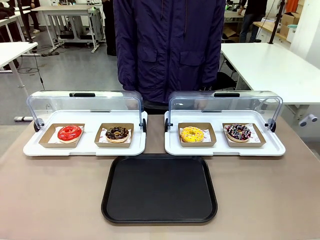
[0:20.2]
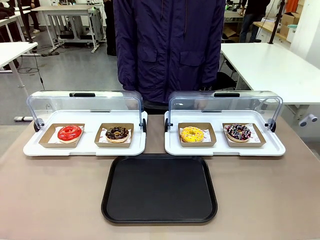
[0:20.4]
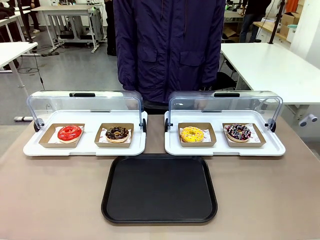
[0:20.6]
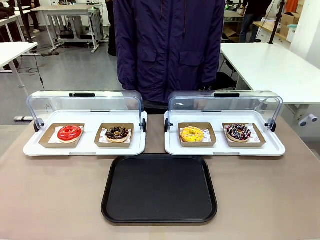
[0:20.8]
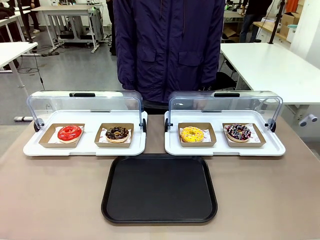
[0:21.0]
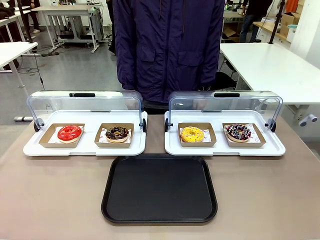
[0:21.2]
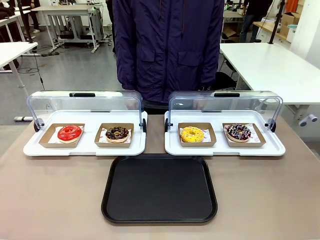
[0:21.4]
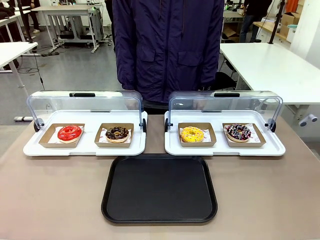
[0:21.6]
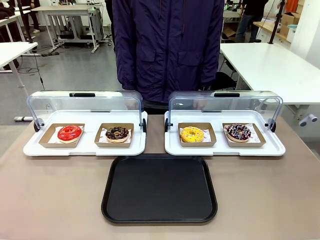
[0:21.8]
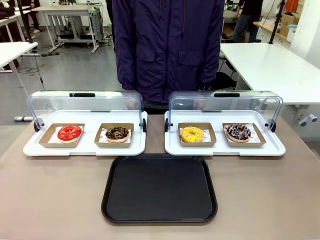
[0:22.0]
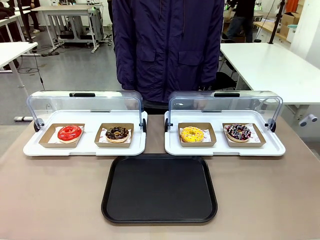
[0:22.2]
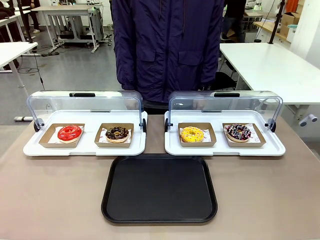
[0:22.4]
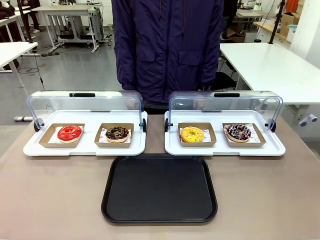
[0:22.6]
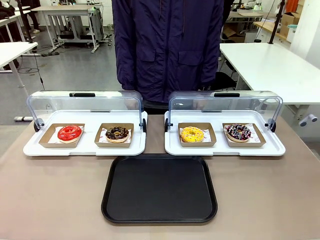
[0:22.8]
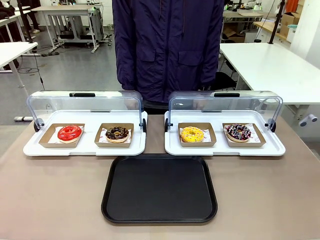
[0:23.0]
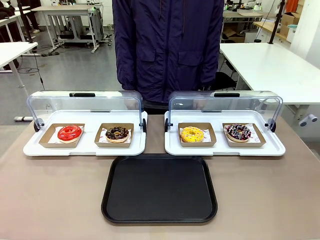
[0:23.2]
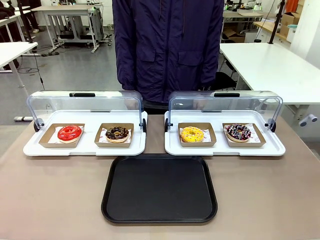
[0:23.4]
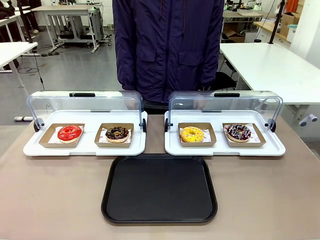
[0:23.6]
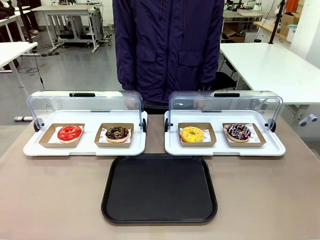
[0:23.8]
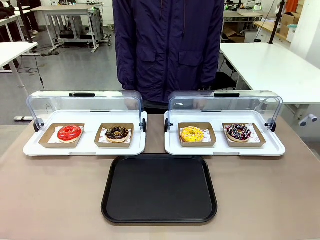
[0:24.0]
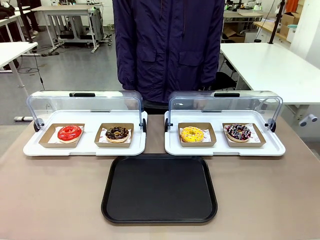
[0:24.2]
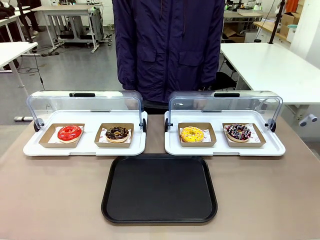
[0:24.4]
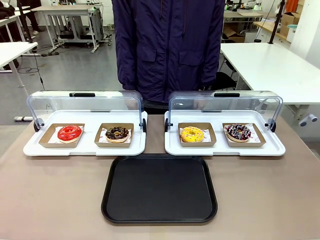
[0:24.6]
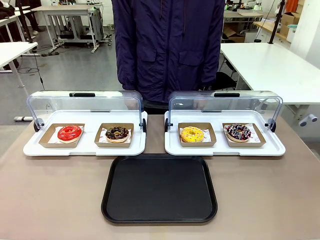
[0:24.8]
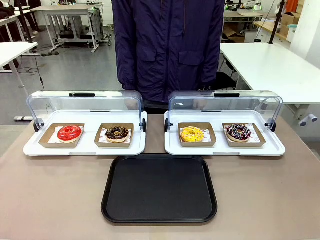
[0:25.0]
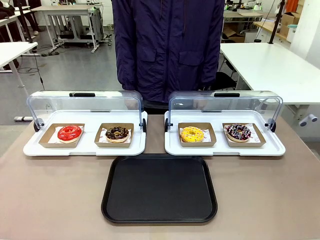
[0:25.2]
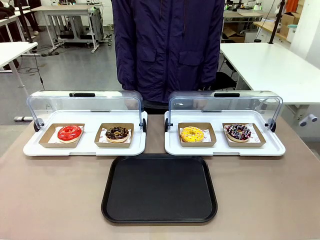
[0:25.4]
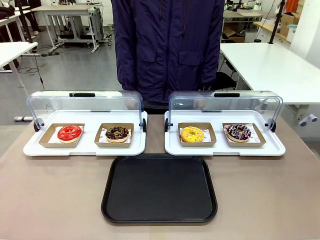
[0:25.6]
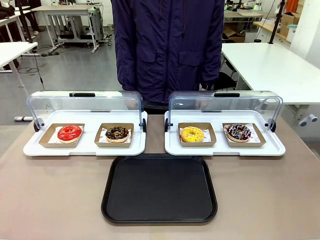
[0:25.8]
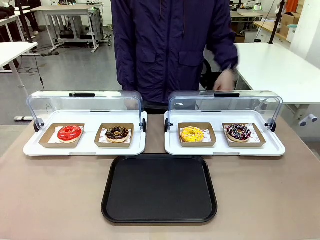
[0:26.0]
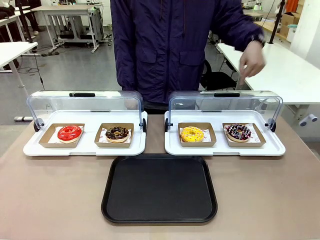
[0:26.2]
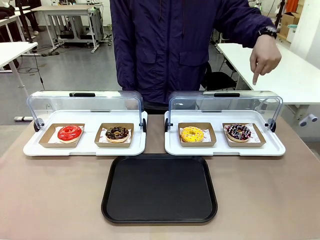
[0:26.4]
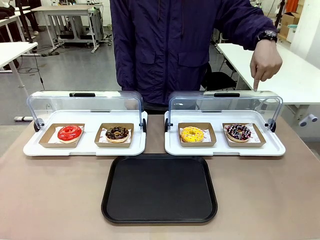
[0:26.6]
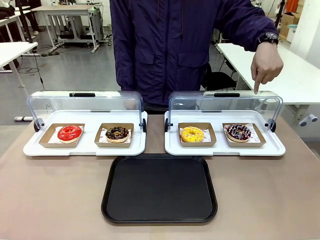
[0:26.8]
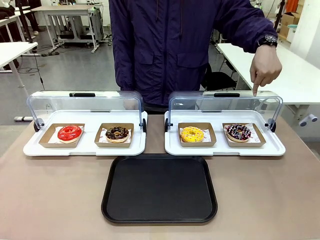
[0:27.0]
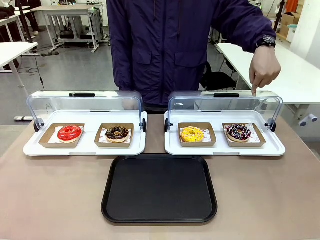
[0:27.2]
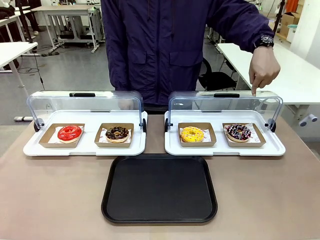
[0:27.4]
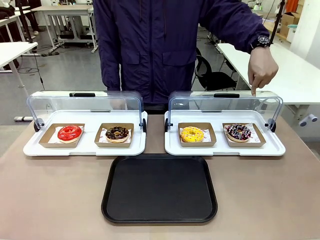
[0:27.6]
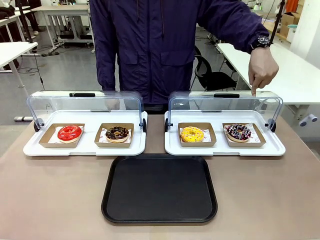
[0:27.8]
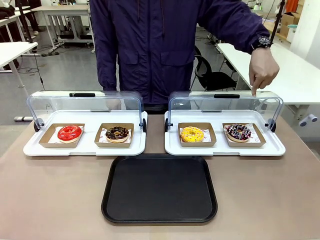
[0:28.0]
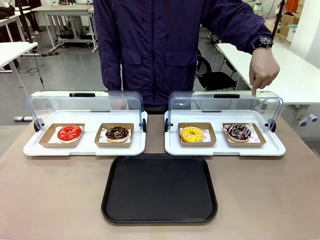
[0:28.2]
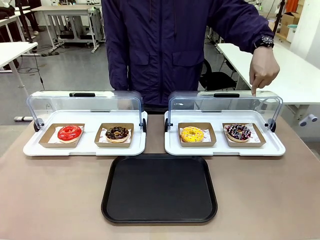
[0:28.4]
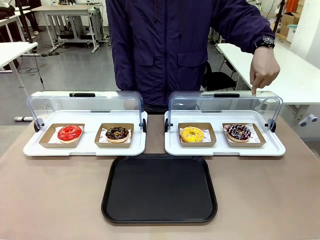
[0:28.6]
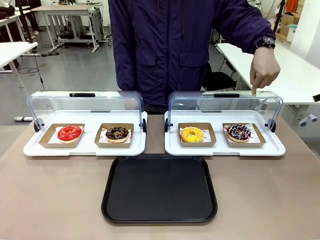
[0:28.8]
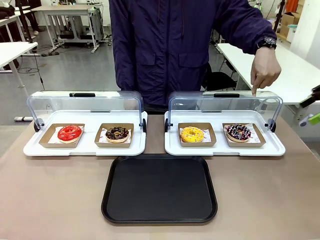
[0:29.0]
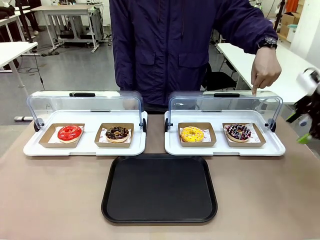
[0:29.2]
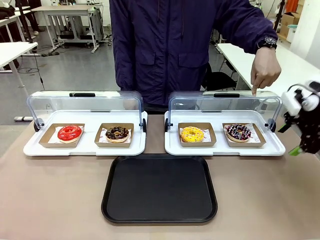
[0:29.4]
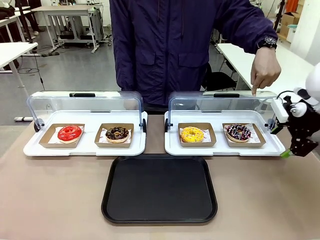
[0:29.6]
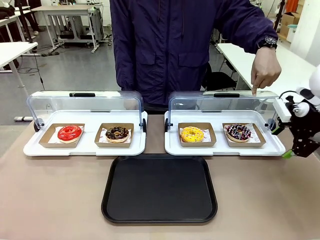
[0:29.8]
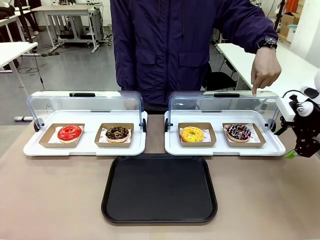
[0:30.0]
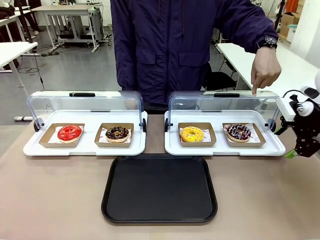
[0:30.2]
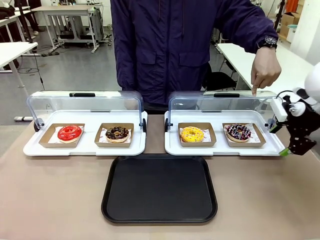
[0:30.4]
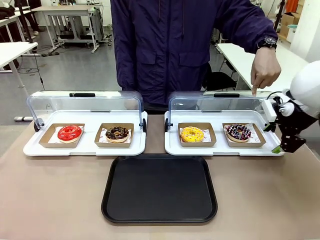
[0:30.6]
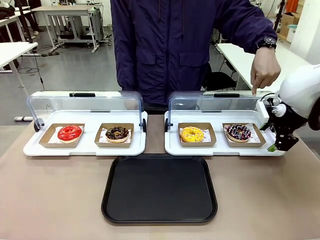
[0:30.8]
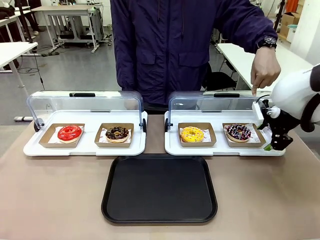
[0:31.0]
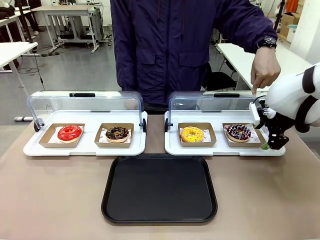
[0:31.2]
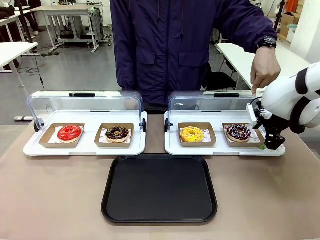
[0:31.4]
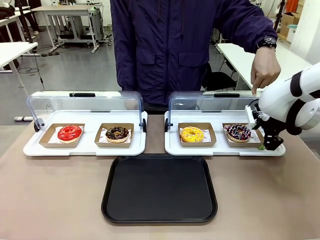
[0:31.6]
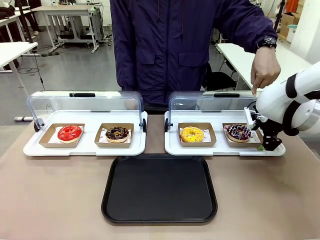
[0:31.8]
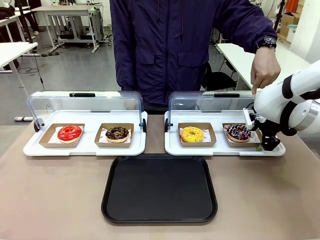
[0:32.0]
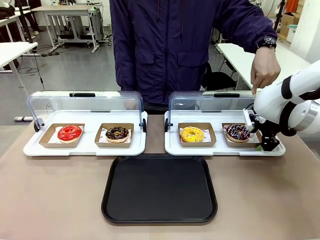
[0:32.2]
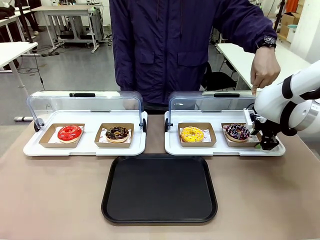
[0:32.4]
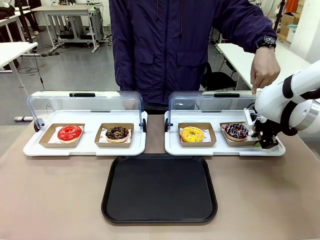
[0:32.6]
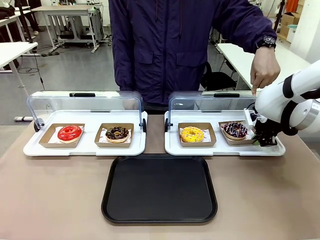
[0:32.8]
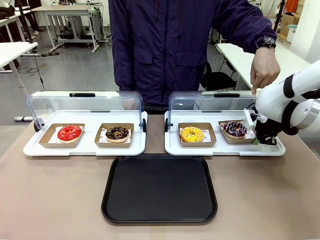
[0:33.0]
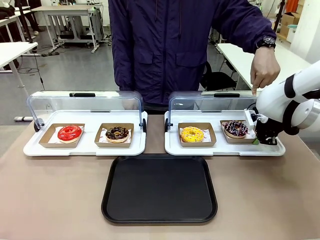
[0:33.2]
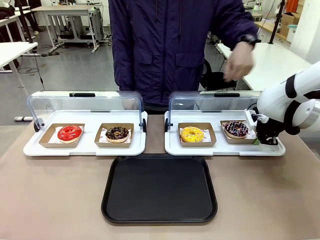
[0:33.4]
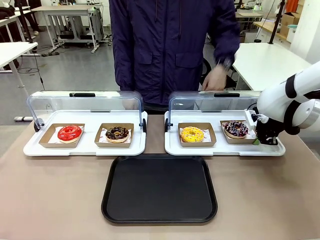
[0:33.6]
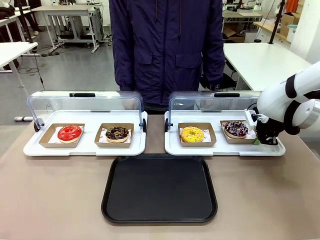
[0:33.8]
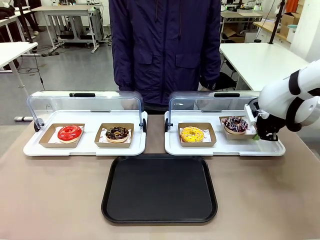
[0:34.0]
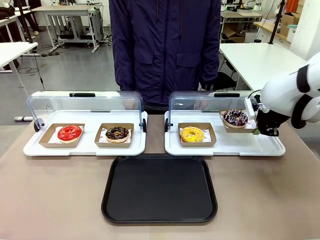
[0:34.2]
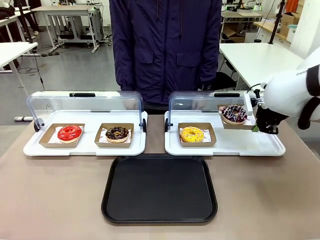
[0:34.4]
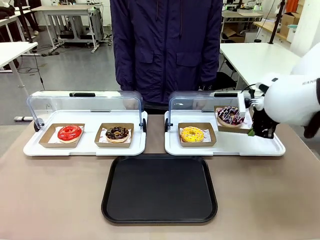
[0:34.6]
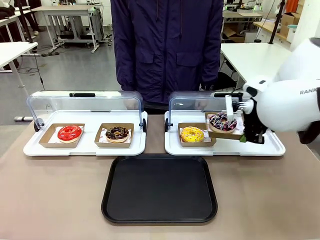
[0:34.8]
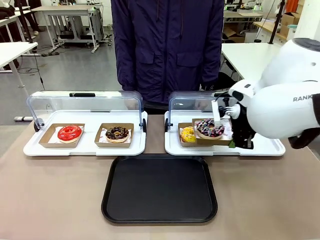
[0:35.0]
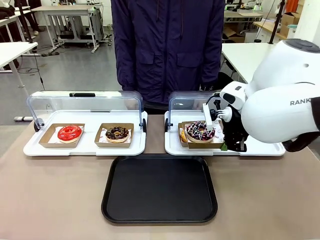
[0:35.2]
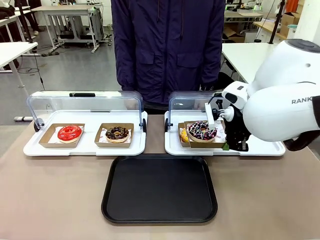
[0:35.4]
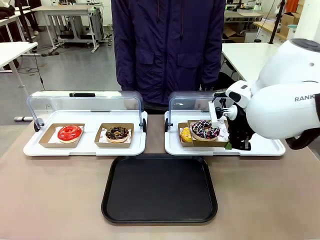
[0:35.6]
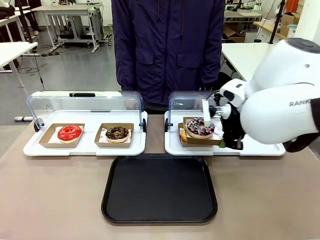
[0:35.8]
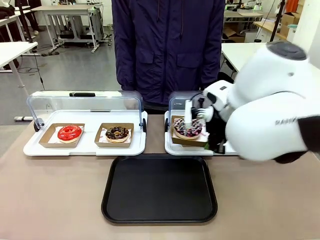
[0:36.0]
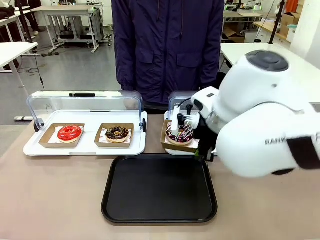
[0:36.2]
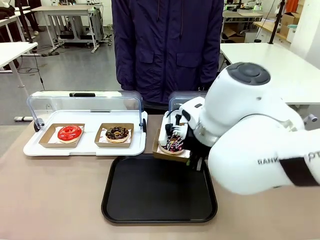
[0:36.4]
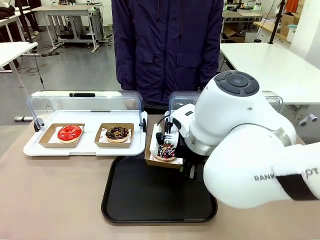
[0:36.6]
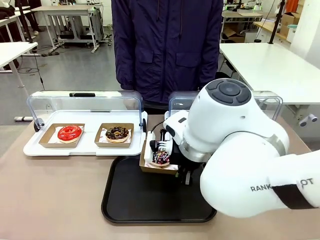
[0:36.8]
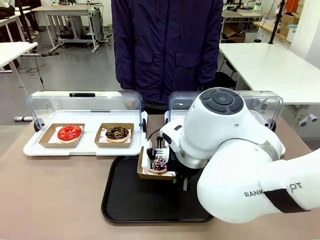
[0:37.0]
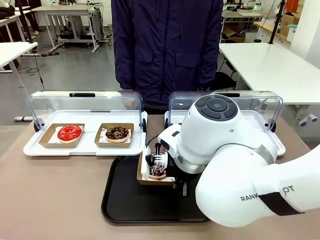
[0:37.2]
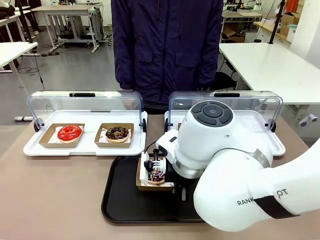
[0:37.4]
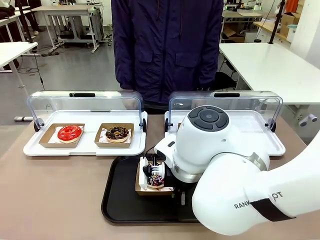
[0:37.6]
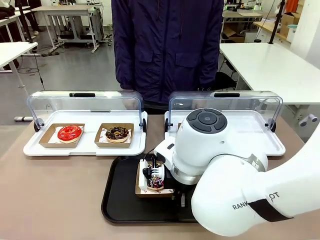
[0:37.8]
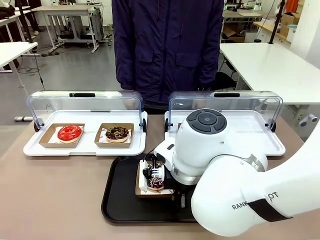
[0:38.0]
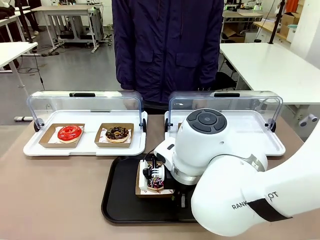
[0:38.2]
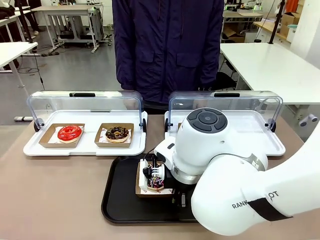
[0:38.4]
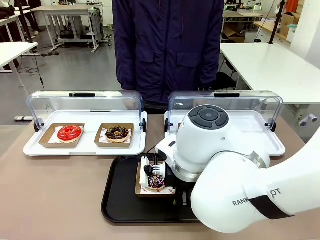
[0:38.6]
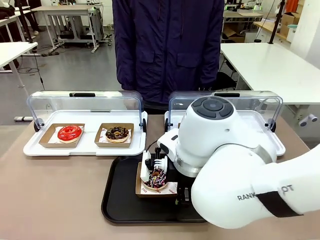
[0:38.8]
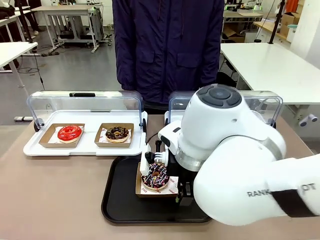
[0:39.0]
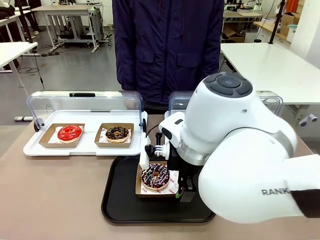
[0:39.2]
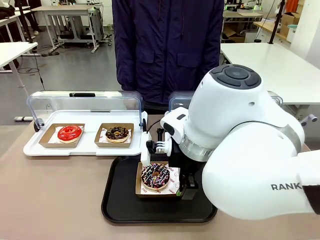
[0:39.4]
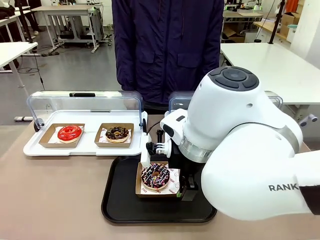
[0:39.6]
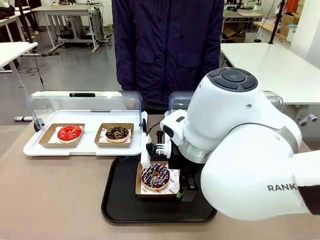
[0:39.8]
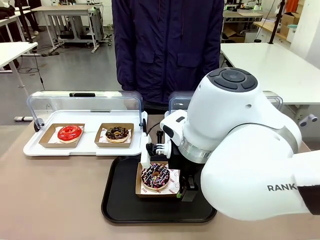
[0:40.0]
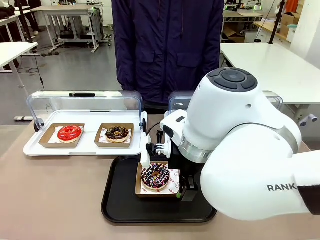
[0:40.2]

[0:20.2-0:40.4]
Task: Move the fourth donut from the left to the tray.
Robot: Pick up the Paper togo box containing the Donut indicated by the person and place it on the Handle tray.
